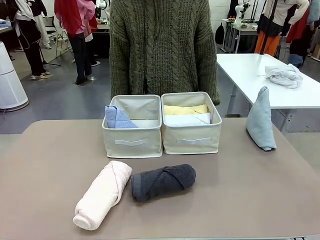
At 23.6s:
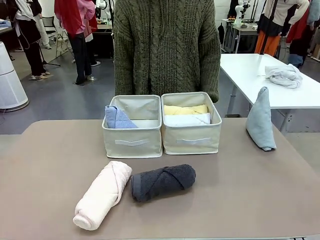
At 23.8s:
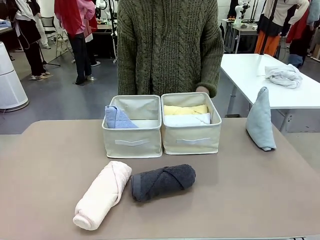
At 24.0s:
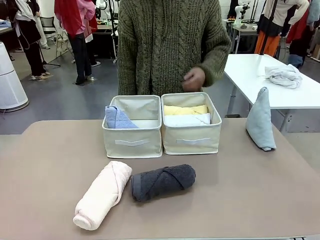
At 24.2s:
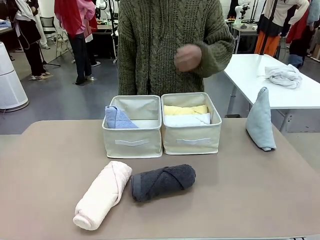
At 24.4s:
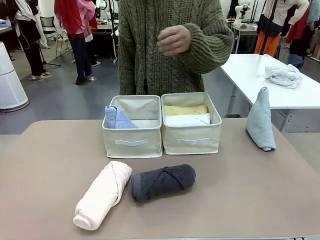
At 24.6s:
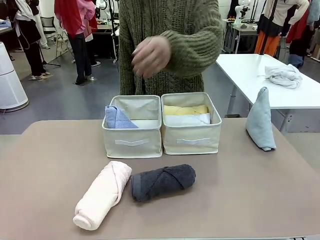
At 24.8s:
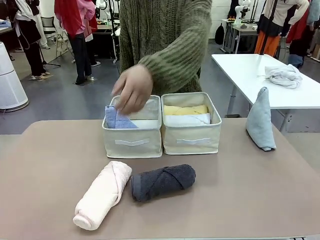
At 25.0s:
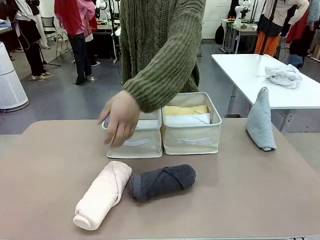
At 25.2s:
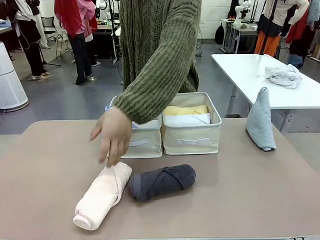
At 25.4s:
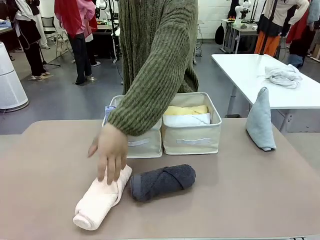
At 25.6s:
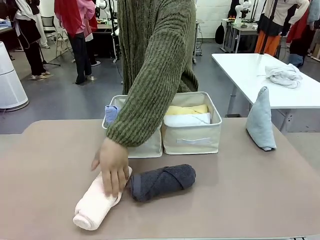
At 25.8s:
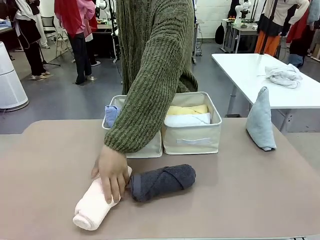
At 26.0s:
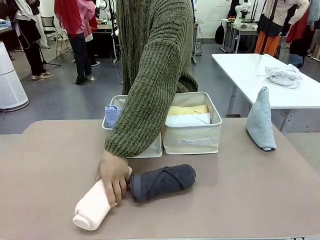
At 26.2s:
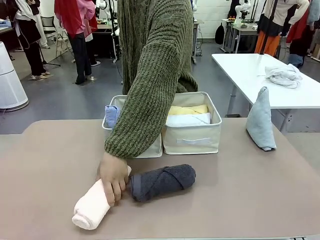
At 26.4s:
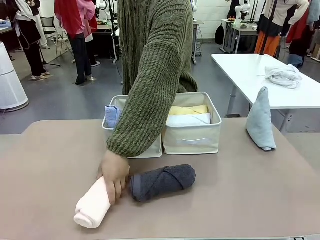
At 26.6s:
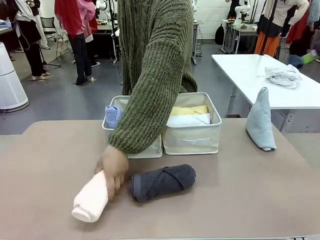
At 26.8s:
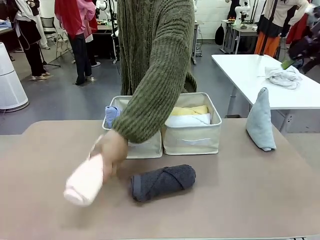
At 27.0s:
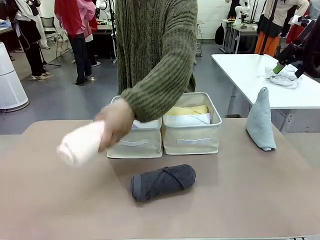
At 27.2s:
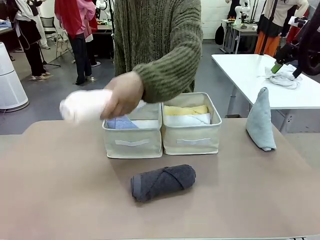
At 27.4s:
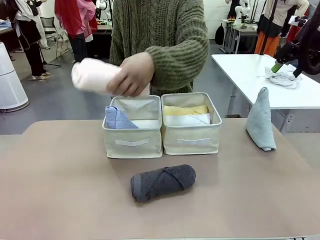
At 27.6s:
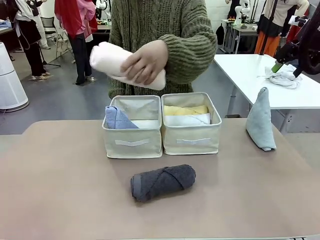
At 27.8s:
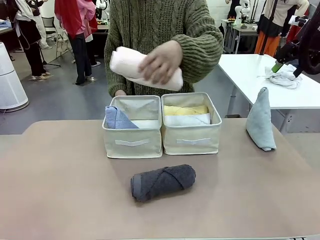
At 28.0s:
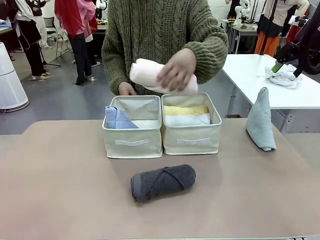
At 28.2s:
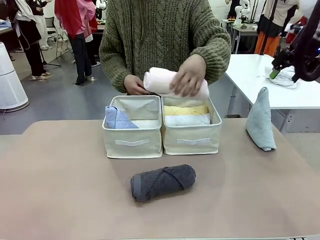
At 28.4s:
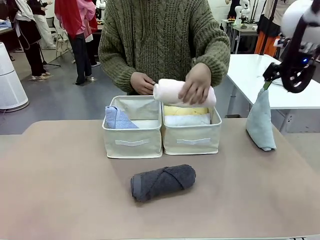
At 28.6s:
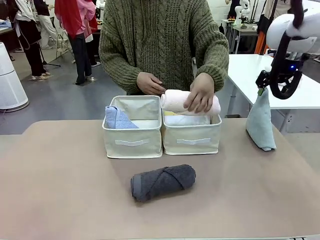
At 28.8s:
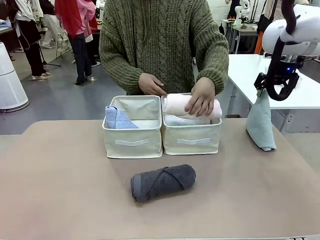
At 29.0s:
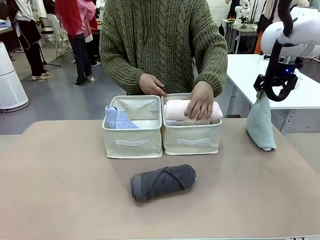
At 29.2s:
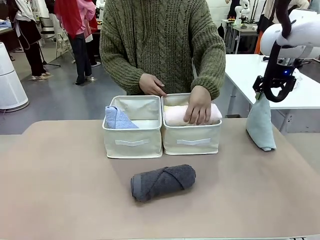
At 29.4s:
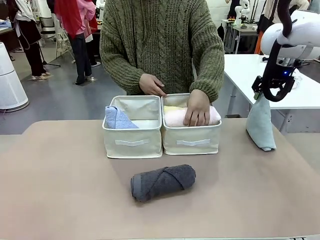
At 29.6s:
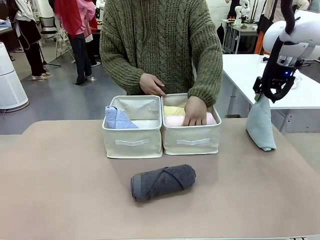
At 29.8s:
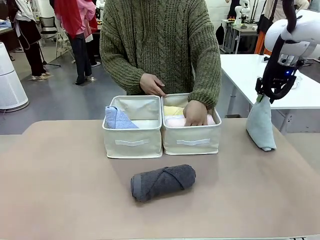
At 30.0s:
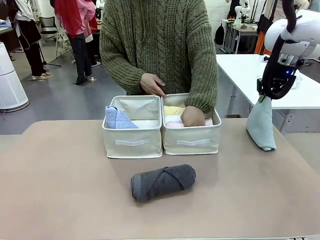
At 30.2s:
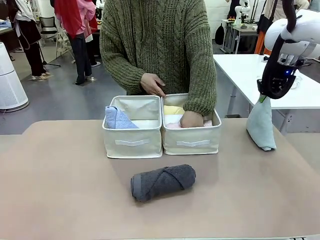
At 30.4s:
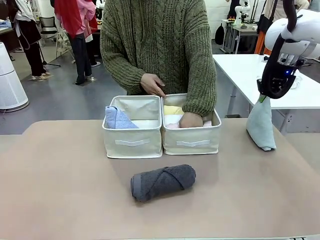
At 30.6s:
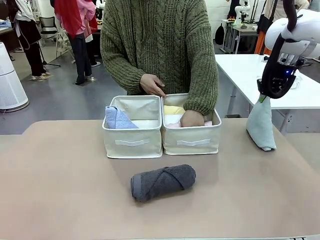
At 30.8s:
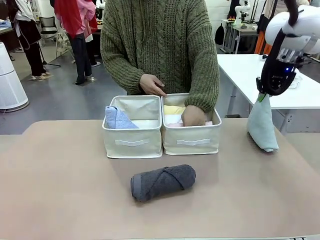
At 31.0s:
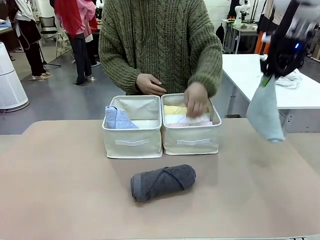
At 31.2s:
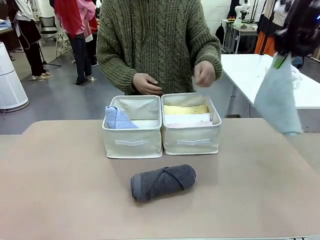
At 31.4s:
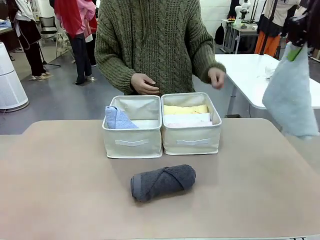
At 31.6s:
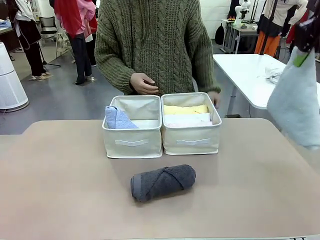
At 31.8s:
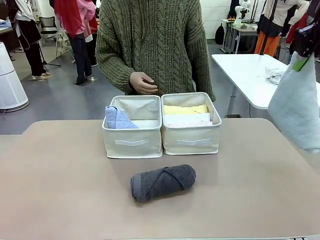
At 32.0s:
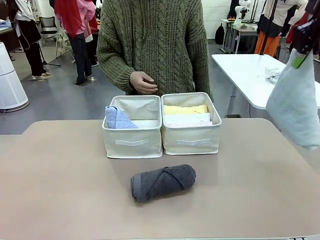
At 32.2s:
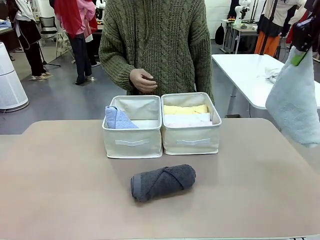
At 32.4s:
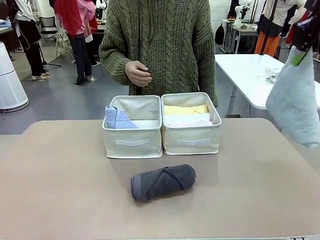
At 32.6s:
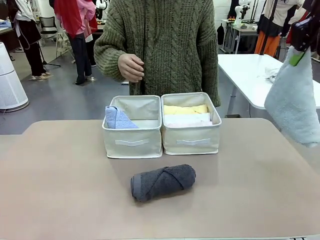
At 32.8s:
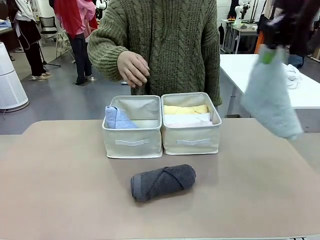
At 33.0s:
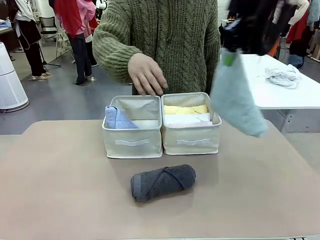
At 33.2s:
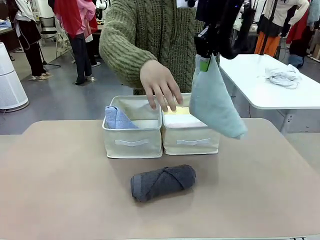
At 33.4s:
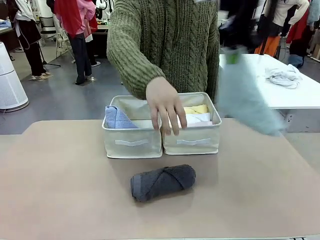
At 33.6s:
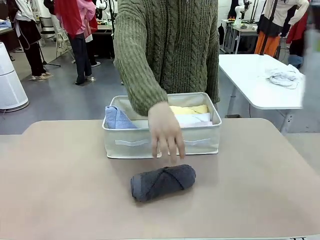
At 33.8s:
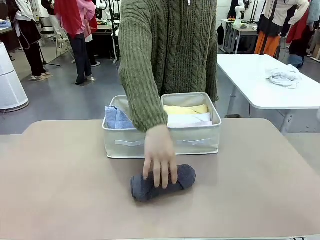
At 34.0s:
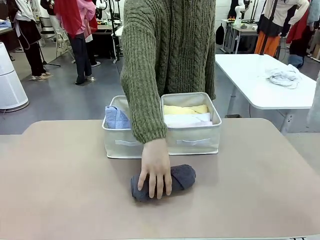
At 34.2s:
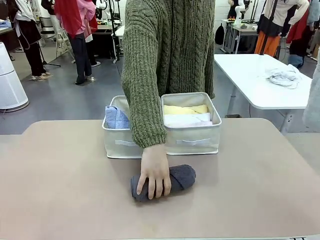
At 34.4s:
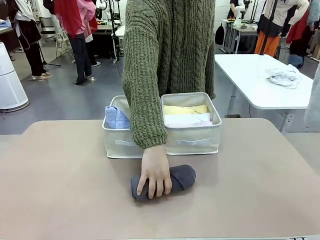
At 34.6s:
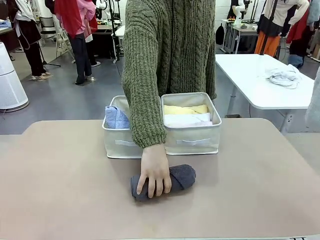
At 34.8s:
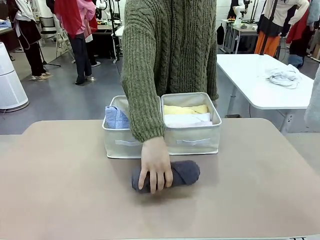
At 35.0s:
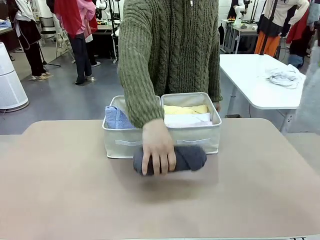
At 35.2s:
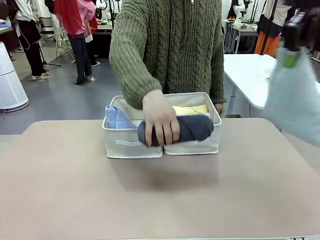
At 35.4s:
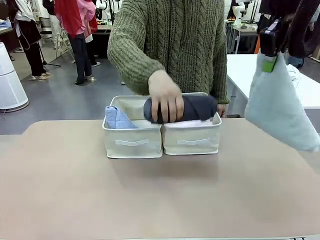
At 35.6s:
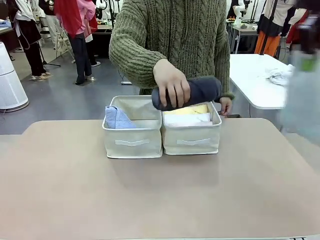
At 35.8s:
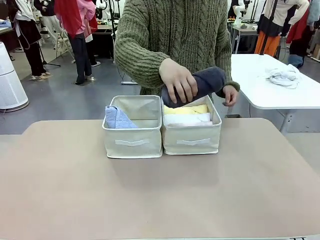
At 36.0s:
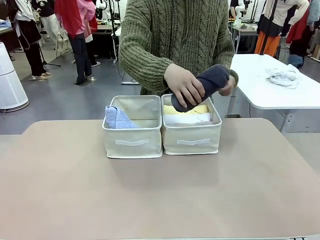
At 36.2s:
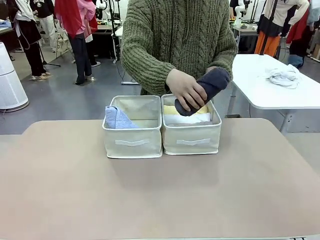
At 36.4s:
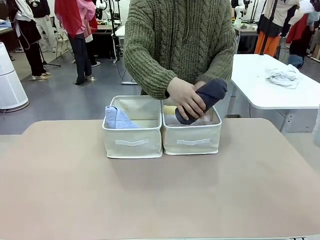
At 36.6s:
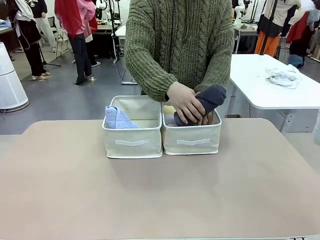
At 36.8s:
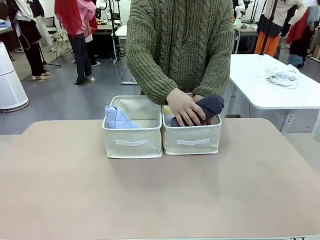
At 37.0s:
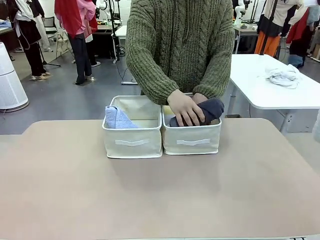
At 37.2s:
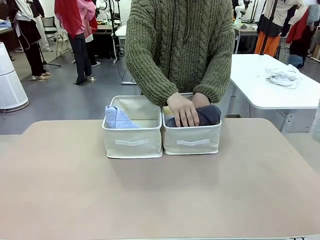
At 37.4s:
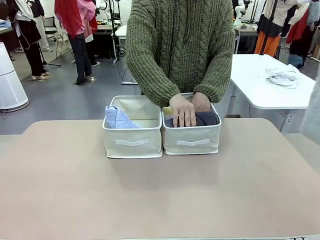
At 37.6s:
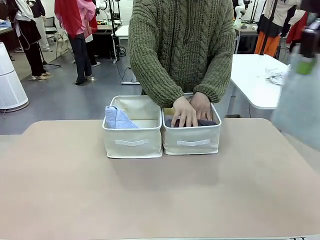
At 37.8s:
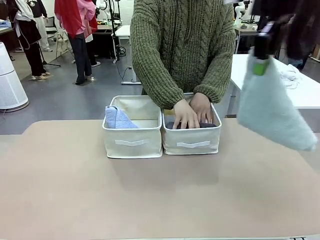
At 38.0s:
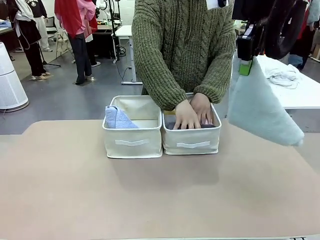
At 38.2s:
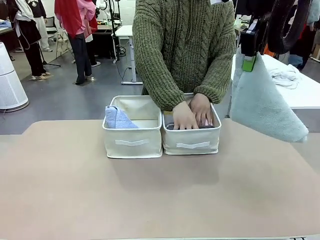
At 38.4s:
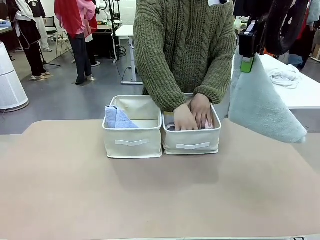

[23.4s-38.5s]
Task: Sort the towels based on their folding style.
Robot: Pick up another triangle-folded towel from the table and place it in the left Fabric basket.
